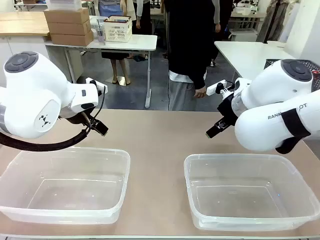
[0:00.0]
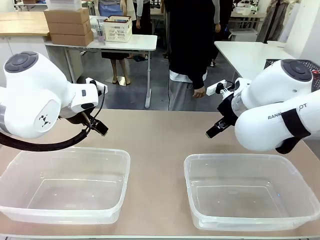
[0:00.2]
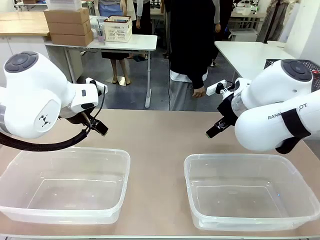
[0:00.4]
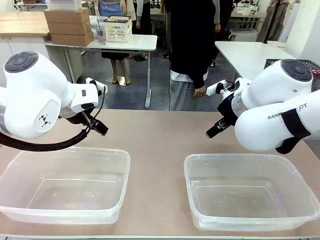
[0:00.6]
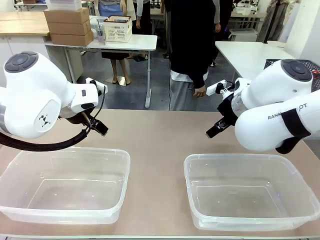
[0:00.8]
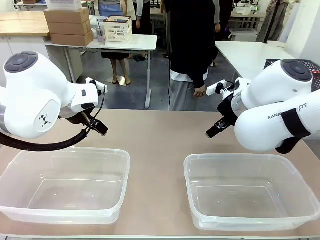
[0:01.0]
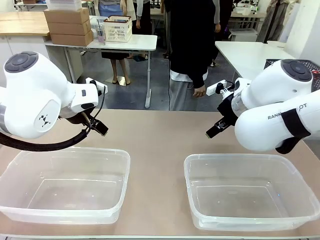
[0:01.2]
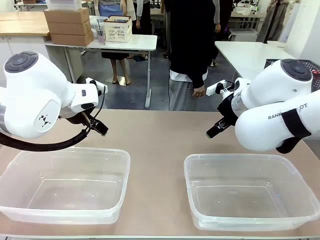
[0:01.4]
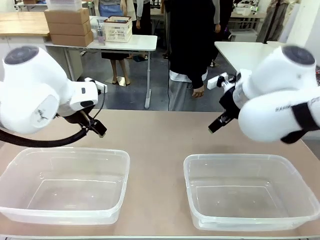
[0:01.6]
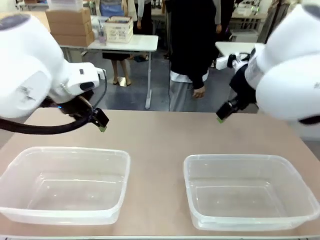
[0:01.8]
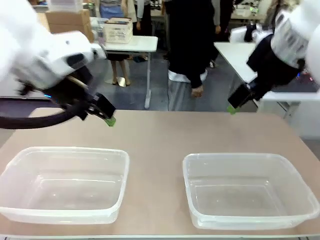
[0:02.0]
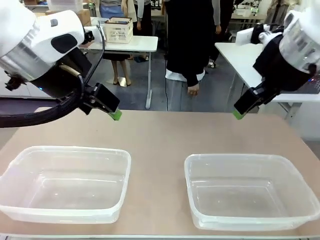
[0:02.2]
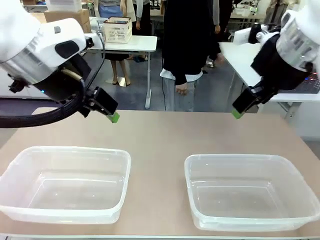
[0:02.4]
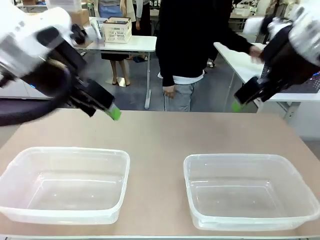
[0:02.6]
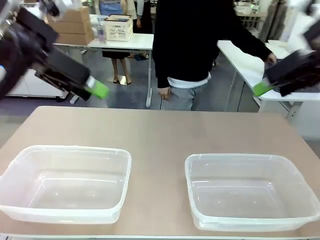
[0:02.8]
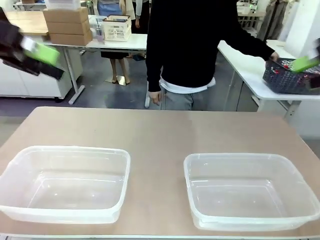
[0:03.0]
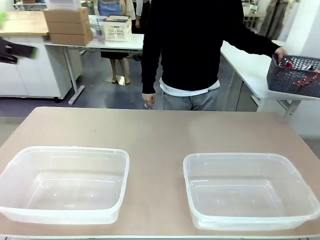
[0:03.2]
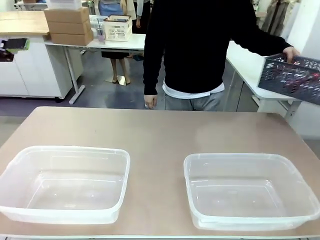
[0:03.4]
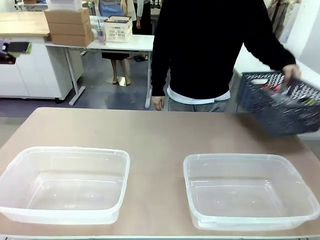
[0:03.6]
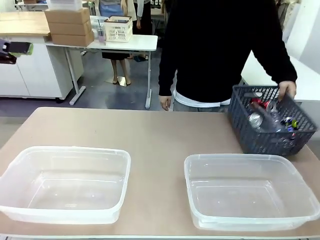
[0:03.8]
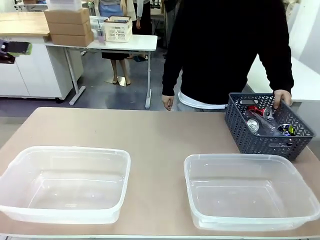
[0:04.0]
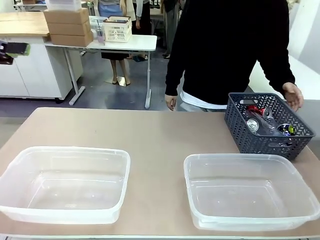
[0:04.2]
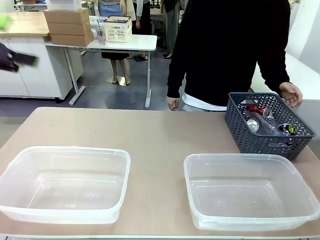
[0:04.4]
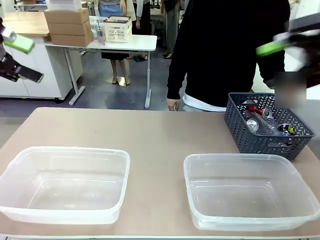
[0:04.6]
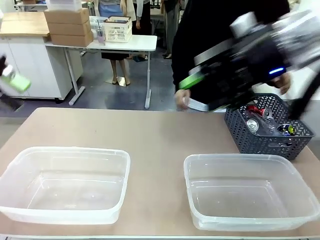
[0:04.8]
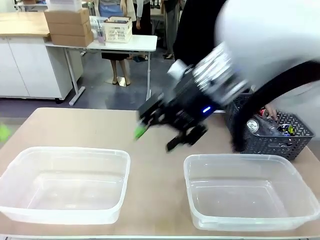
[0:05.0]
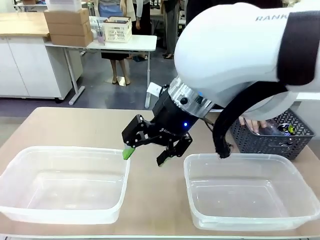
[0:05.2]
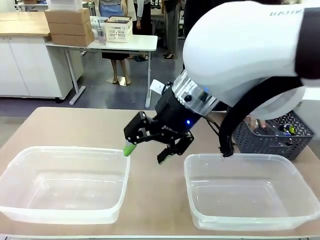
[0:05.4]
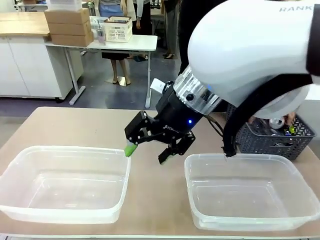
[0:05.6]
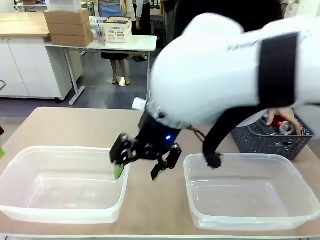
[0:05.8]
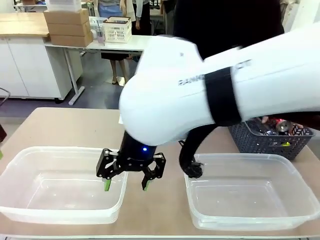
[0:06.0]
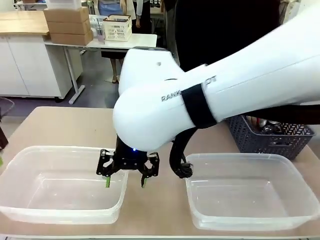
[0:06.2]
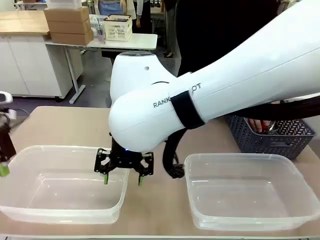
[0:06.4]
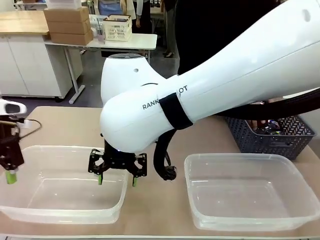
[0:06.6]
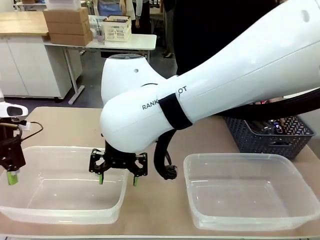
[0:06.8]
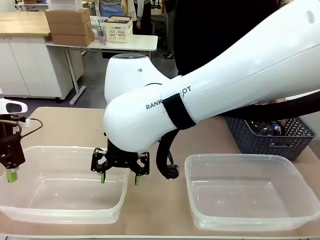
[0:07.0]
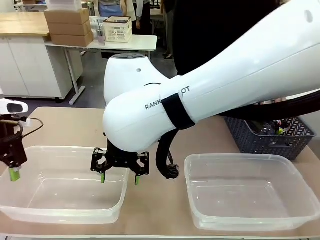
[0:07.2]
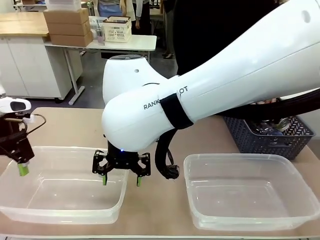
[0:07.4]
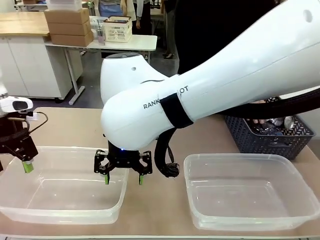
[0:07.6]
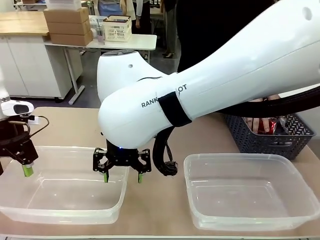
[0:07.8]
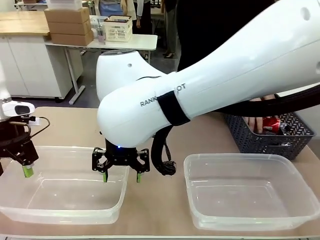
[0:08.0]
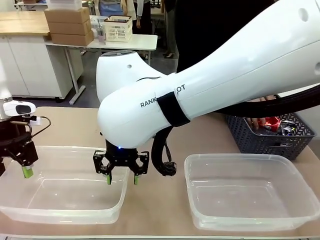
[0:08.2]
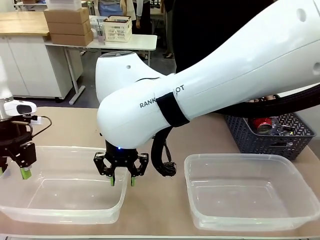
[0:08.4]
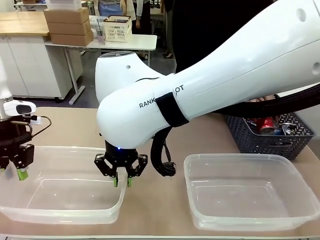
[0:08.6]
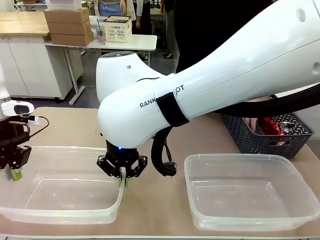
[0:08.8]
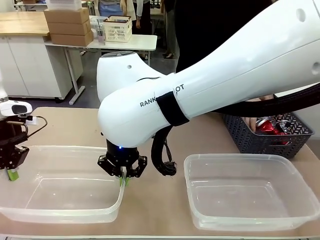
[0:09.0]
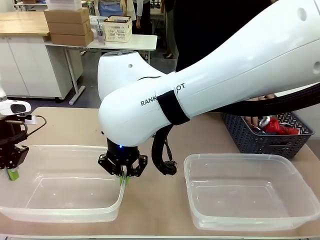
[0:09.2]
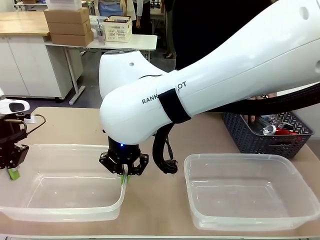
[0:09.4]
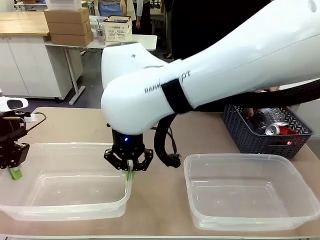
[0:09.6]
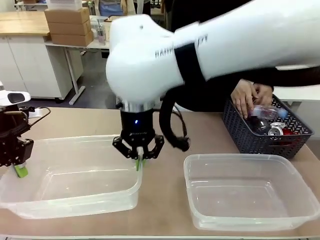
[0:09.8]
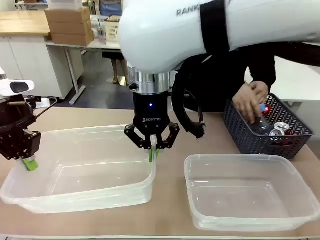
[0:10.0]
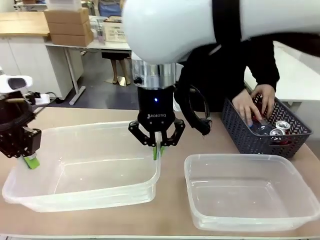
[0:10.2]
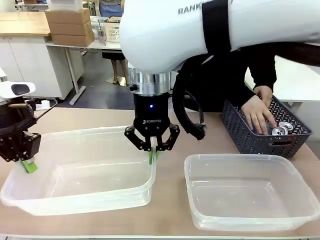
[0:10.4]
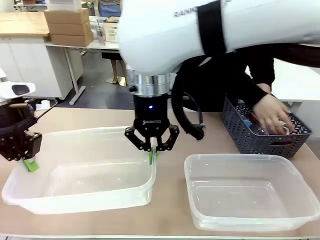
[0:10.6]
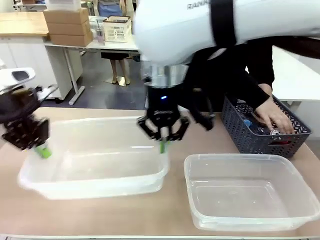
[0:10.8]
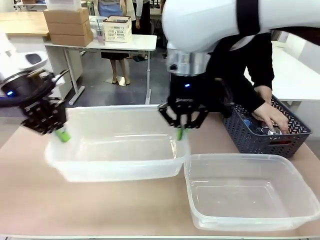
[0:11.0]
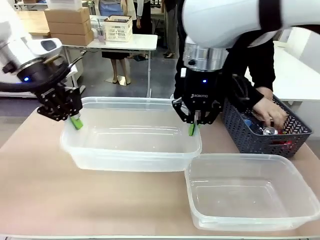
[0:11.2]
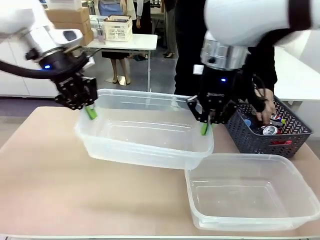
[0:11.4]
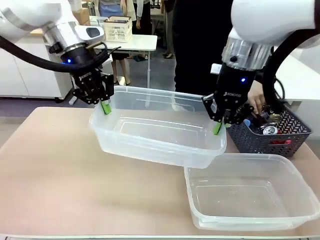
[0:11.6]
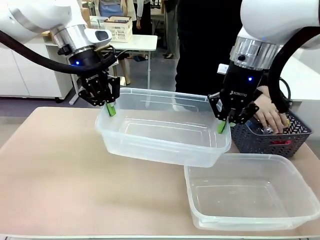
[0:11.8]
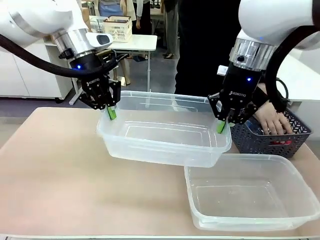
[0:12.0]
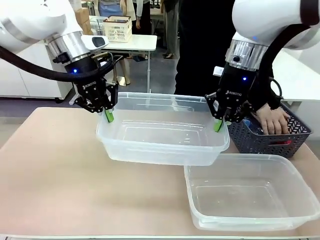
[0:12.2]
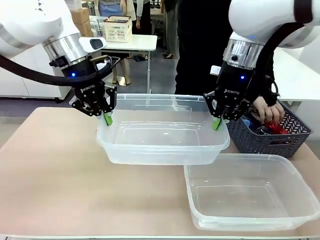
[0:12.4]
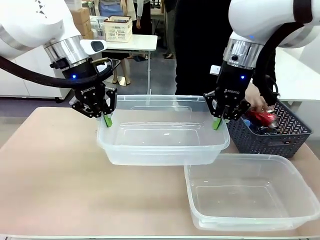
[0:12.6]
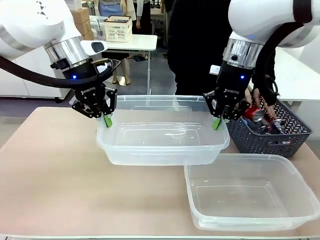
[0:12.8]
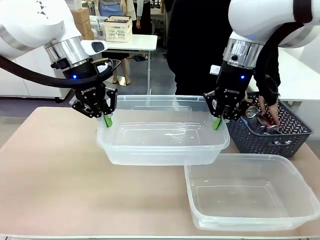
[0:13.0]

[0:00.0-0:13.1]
Robot: Pick up the Organizing box on the left side of the table and lift it.
Person: Pick up the storage basket and place it on the left side of the robot table. Pick up can-shaped waste one by one and place it into the organizing box lifted by the robot.

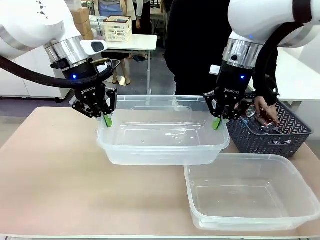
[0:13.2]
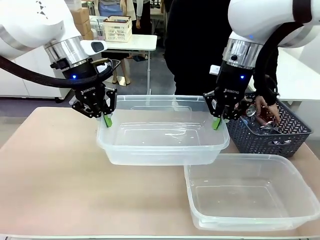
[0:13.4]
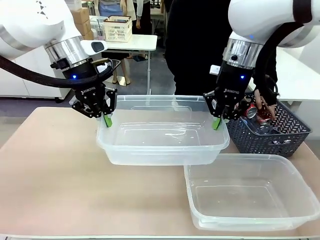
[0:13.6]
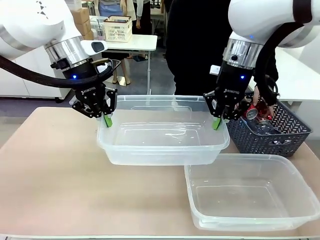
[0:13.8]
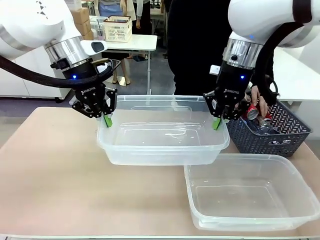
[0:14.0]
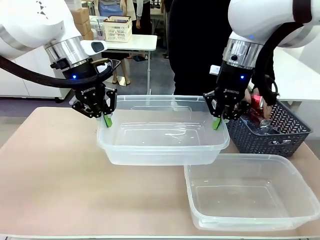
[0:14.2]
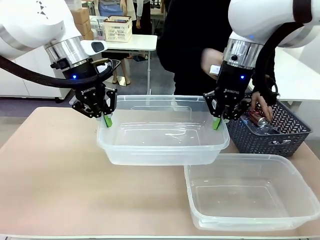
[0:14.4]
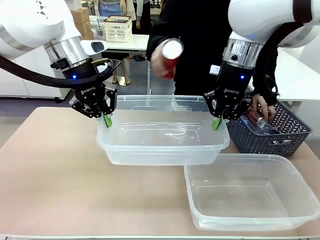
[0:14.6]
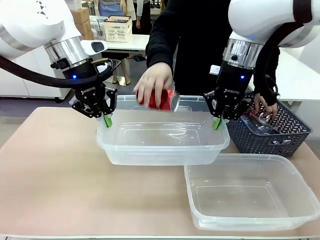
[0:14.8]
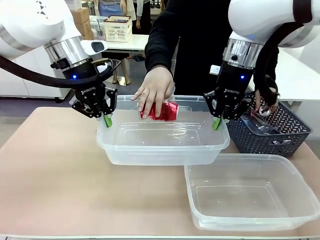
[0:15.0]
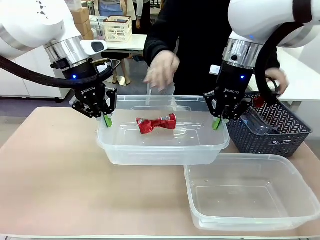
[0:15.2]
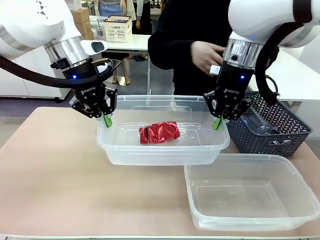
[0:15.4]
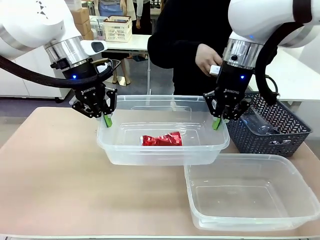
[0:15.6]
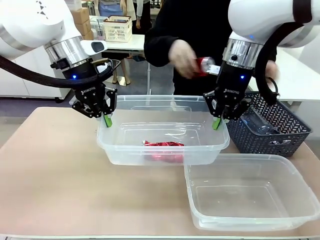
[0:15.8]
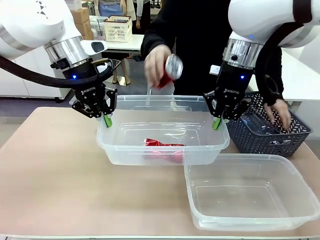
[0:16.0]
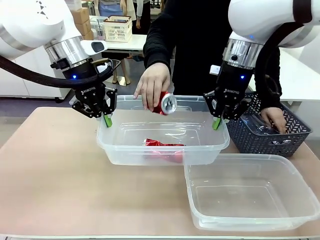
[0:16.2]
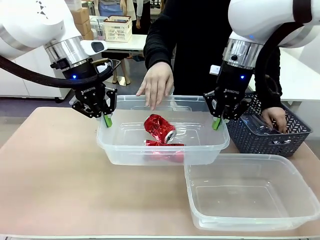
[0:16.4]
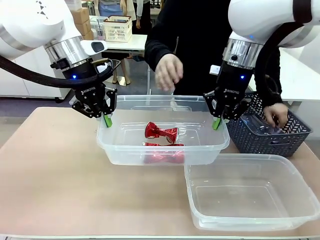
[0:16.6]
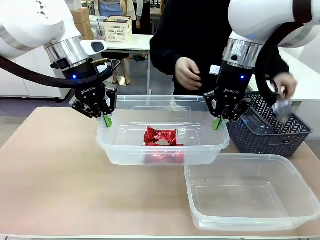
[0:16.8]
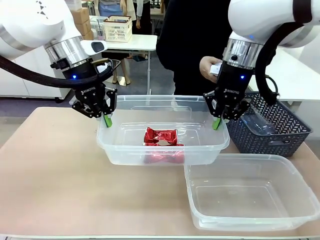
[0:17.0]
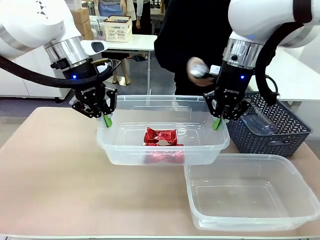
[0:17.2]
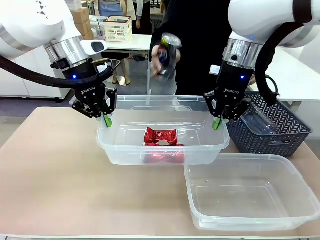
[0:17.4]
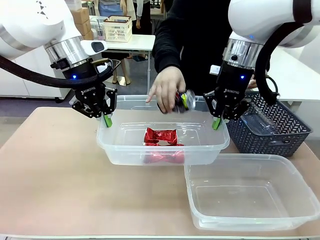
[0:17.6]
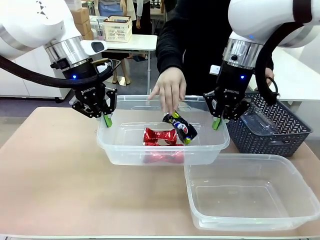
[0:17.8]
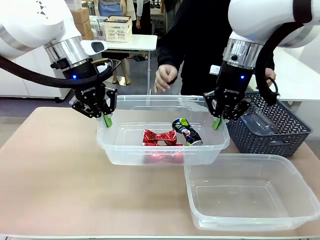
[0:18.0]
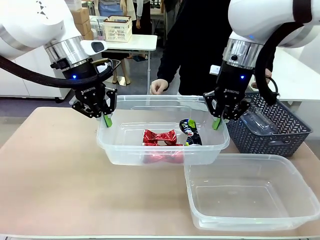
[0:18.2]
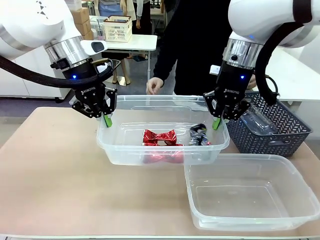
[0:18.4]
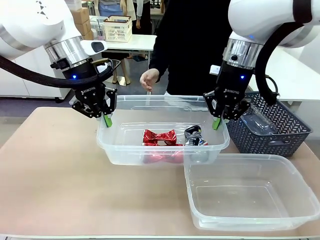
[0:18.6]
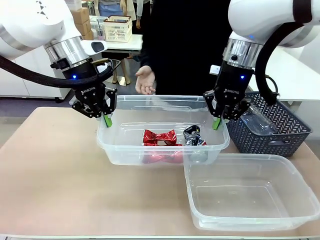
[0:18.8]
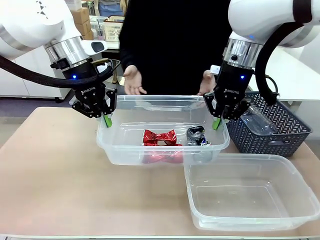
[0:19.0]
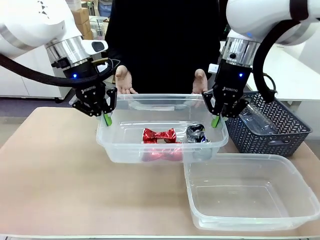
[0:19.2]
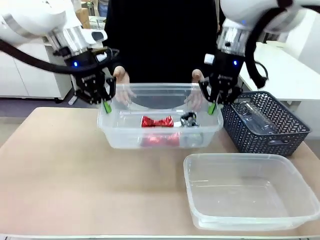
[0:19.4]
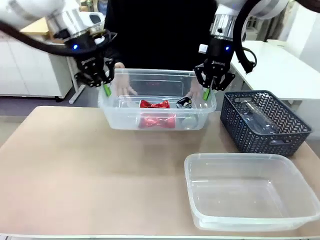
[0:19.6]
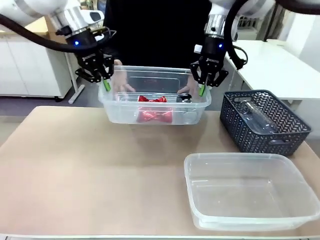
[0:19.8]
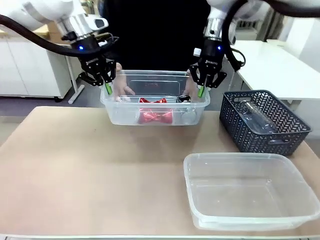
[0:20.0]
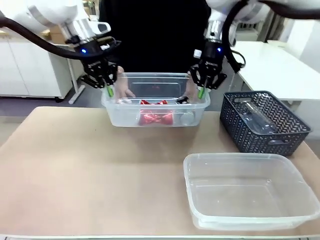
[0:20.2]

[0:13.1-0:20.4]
Robot: Offer the picked Organizing box to the human.

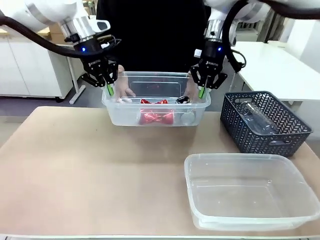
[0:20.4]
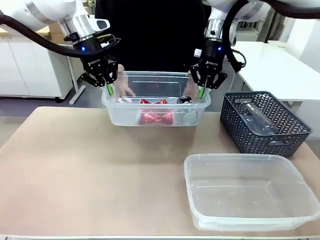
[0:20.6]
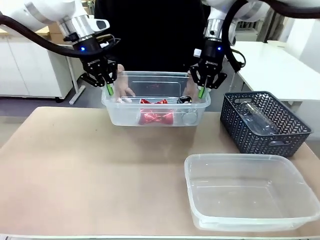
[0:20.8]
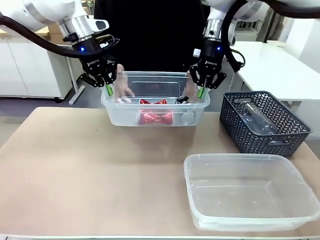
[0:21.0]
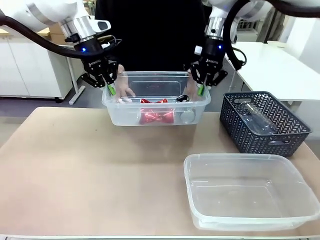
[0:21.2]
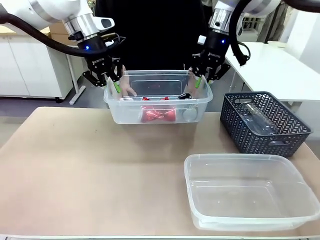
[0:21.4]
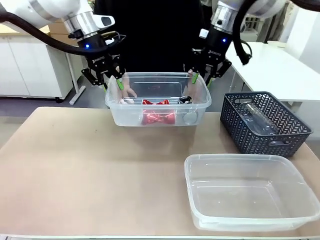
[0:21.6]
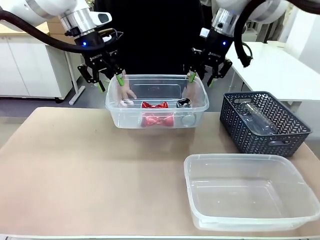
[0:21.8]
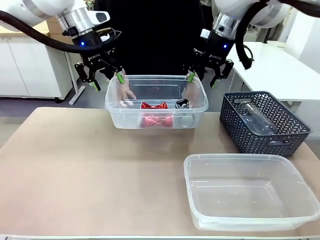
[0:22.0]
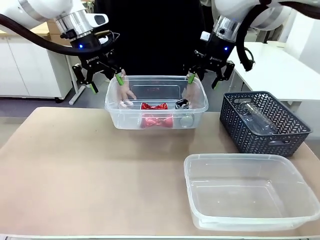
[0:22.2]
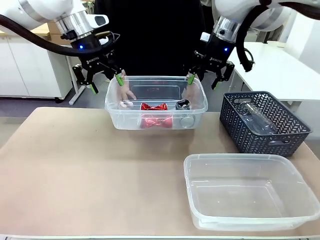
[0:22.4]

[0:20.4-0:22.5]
Robot: Release the Organizing box you were holding.
